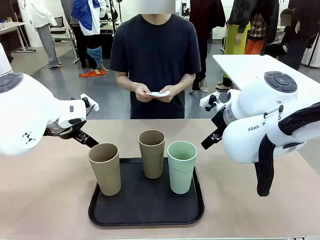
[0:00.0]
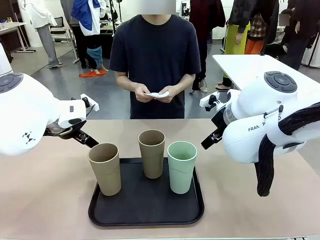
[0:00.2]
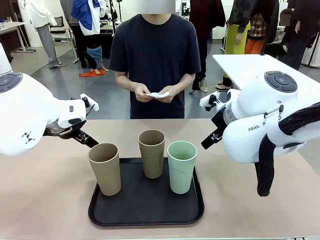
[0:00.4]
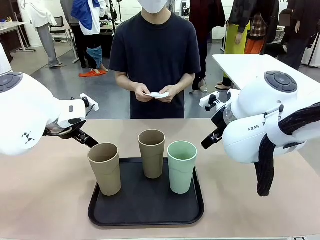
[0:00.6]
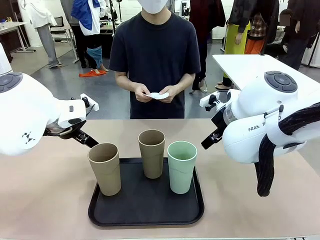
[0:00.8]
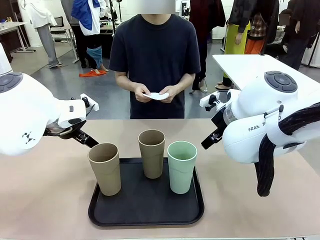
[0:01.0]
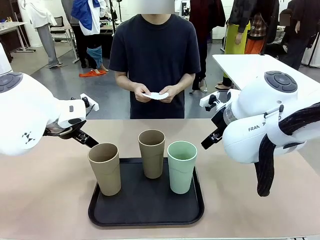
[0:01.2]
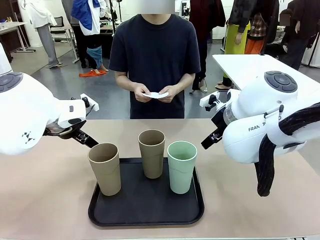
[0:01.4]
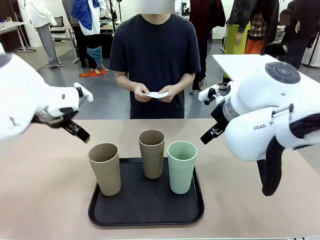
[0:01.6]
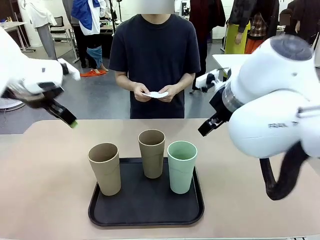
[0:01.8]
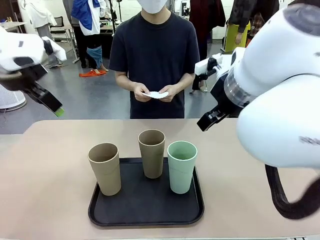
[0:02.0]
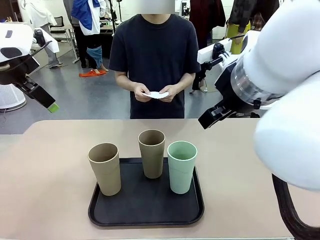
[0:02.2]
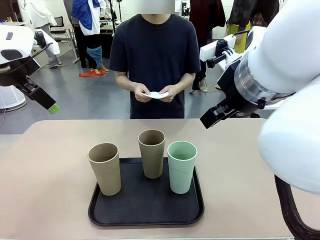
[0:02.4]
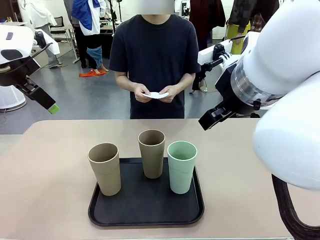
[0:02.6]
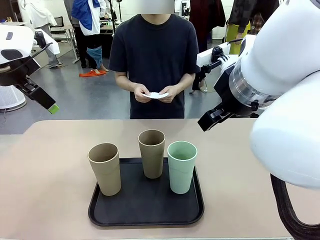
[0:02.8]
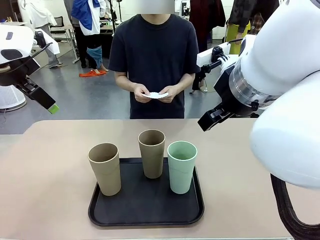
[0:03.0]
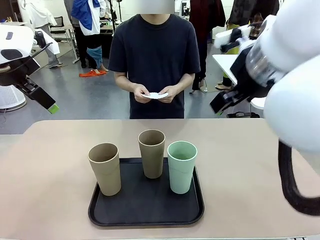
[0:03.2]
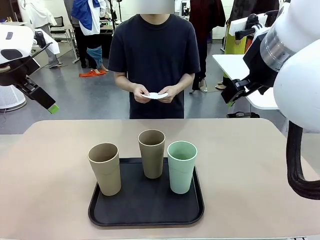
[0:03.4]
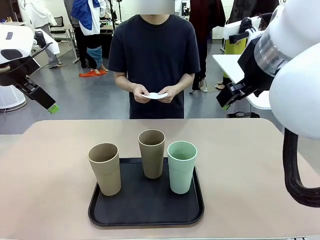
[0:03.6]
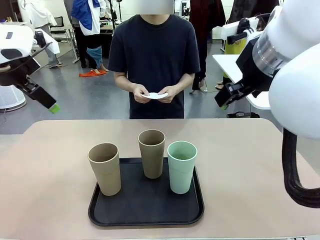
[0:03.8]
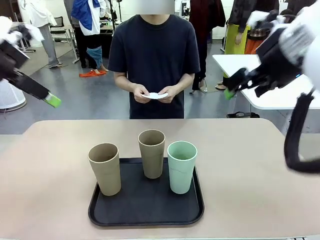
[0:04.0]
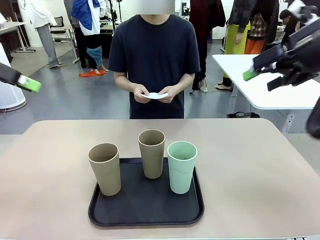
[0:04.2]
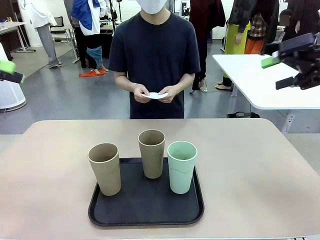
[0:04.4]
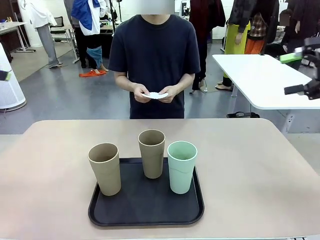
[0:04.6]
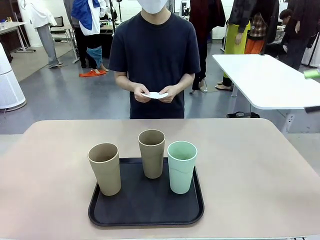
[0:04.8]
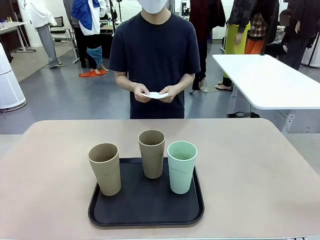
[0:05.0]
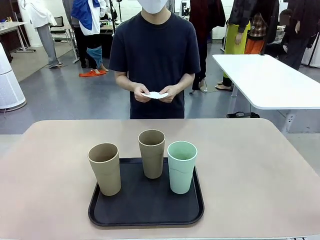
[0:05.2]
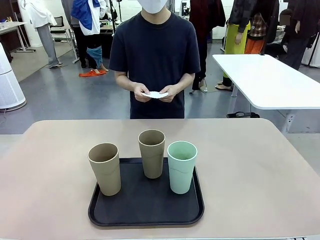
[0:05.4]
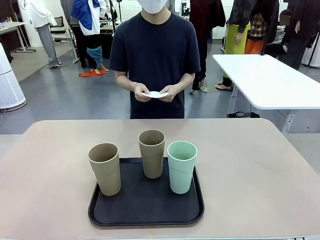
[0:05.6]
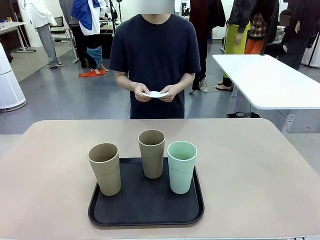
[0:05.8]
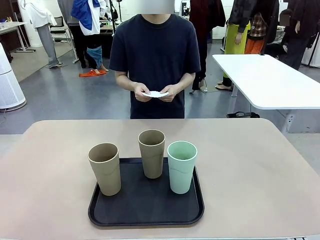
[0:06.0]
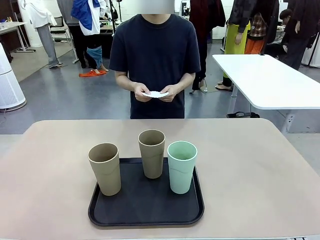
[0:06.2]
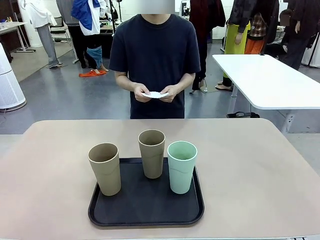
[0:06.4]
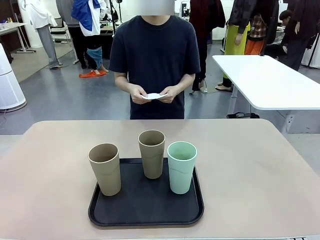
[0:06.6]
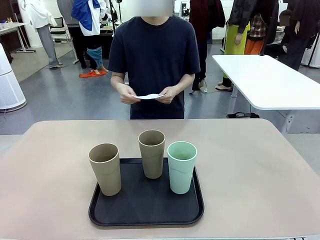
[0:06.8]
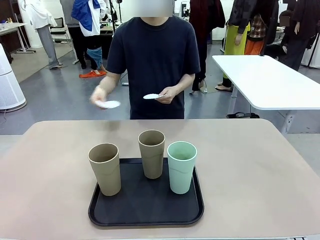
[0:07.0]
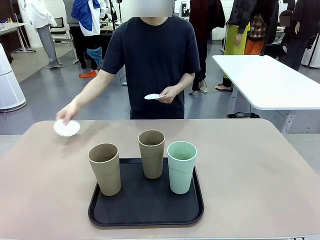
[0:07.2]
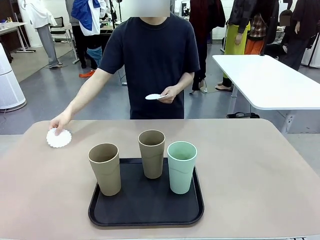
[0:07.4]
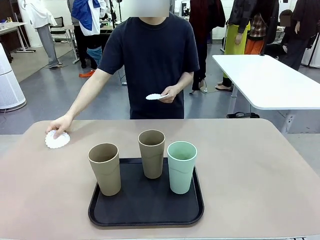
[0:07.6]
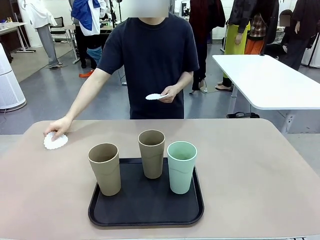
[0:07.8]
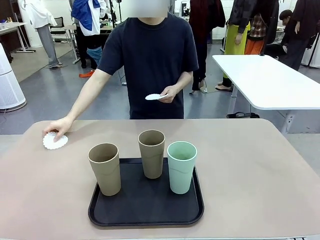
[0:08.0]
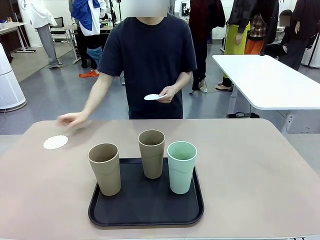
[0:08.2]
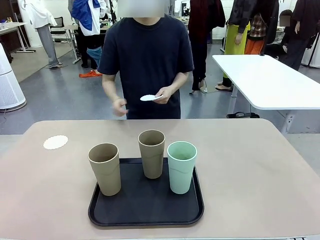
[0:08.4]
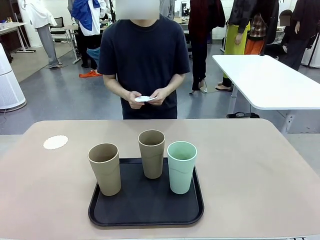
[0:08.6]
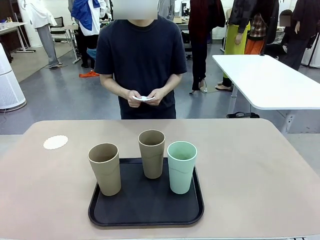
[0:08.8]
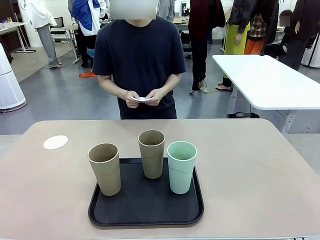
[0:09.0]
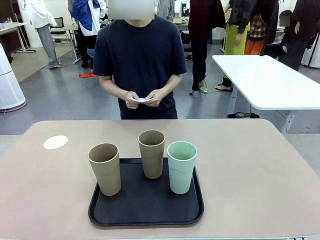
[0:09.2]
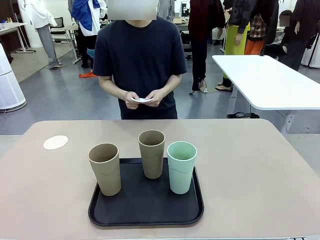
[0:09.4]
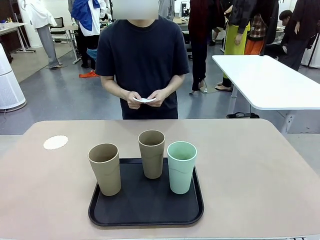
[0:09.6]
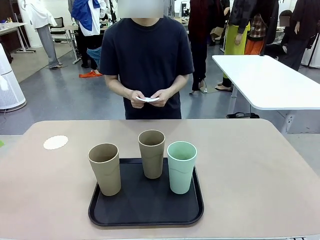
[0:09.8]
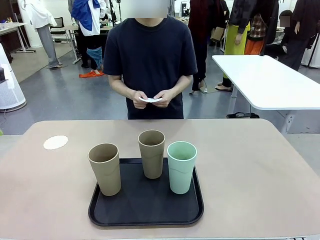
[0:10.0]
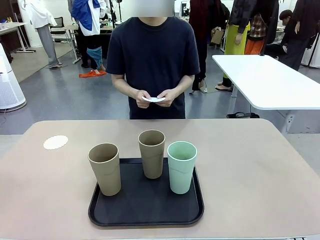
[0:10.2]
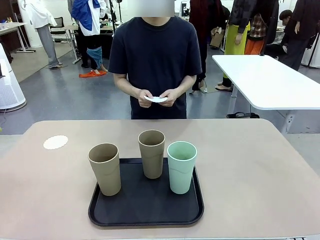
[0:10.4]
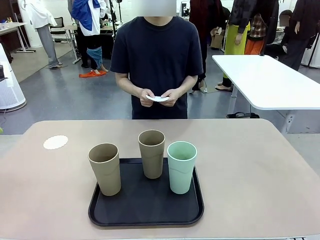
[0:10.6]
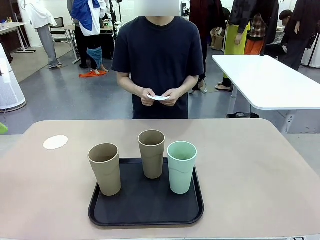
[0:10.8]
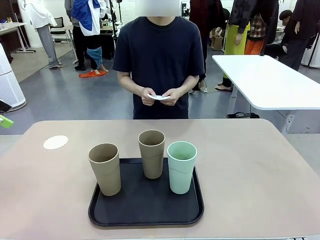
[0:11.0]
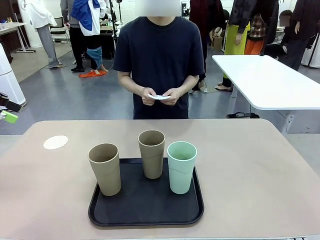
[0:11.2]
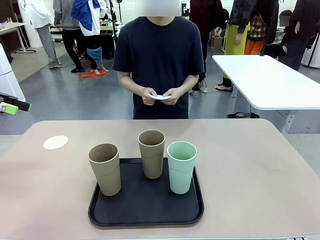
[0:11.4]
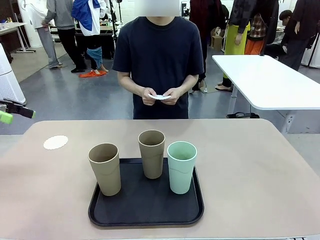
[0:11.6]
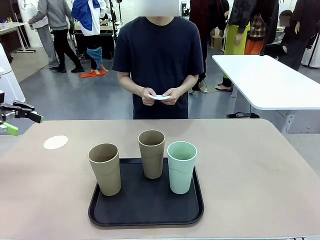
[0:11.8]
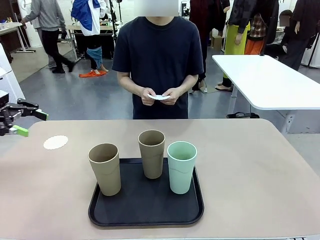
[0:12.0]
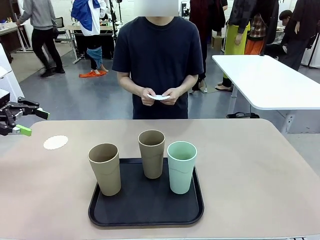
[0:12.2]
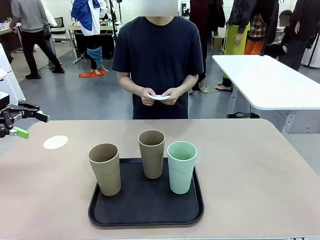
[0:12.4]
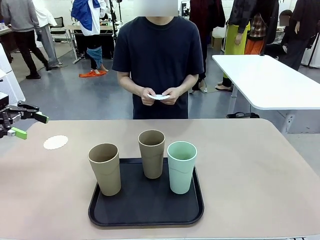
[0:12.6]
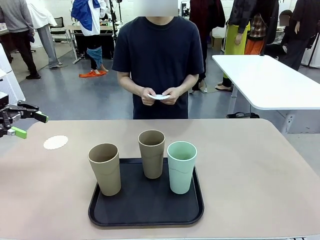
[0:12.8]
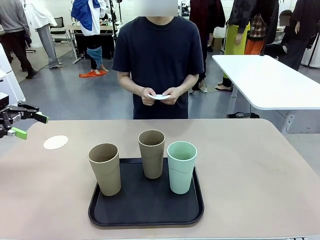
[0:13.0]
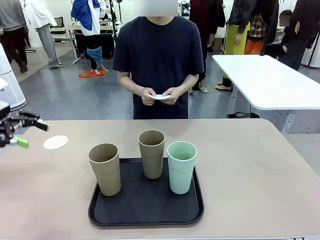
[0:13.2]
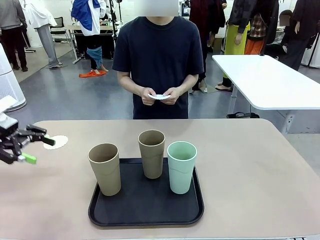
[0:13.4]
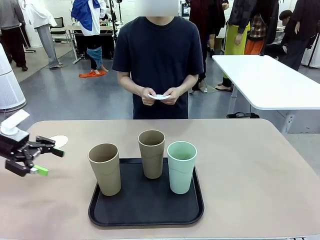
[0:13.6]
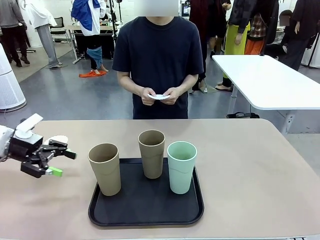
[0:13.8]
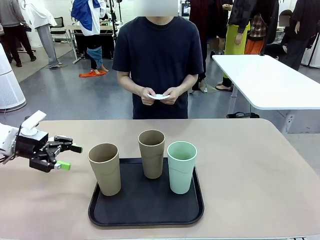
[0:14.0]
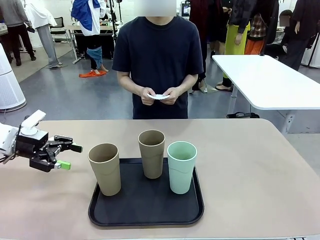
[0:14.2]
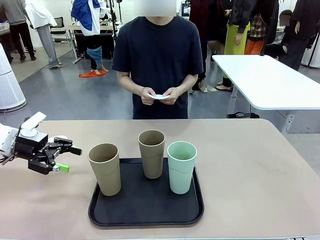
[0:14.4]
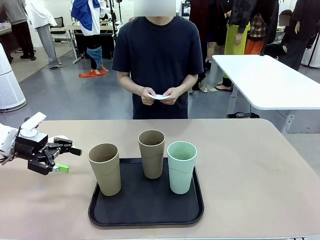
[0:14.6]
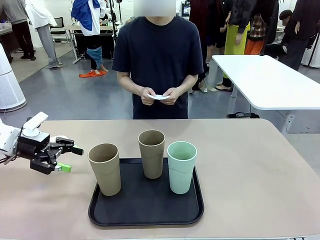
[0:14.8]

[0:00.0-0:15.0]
Task: Place coasters on the table and set cups on them.
Robot: Pick up one Reusable plastic cup and place it on a coaster set by the human.
Person: Place one coaster in any one of the three lower areas of the robot table (left, center, or right).
